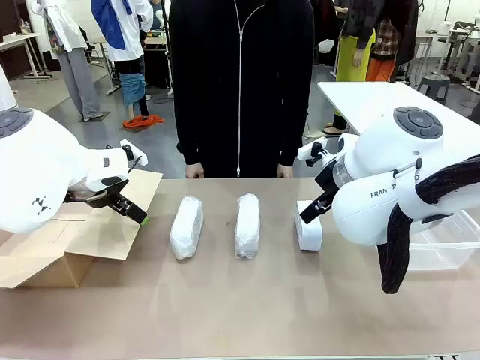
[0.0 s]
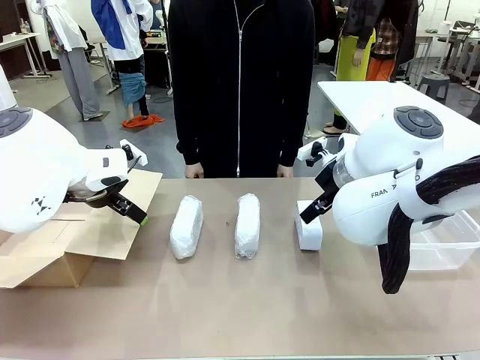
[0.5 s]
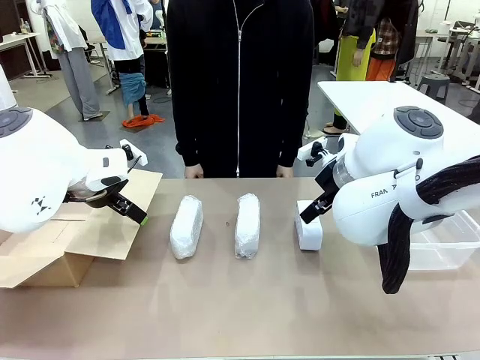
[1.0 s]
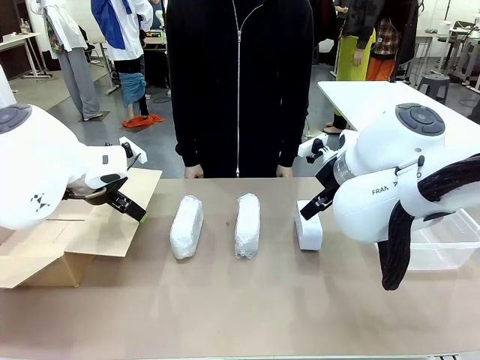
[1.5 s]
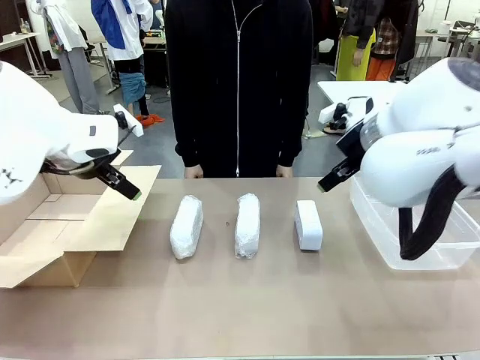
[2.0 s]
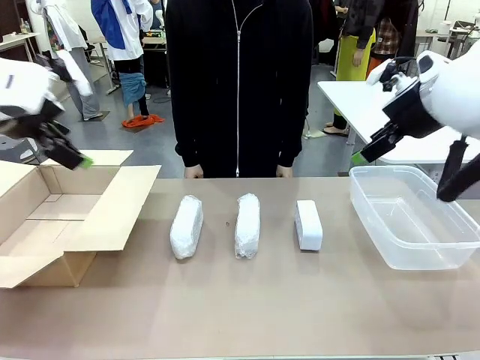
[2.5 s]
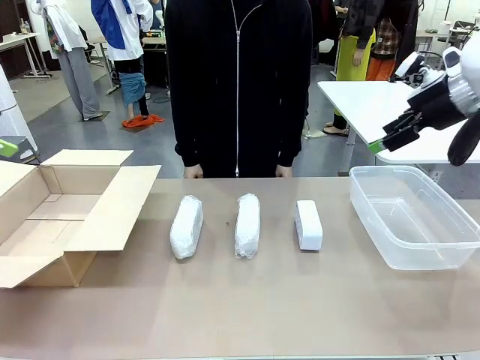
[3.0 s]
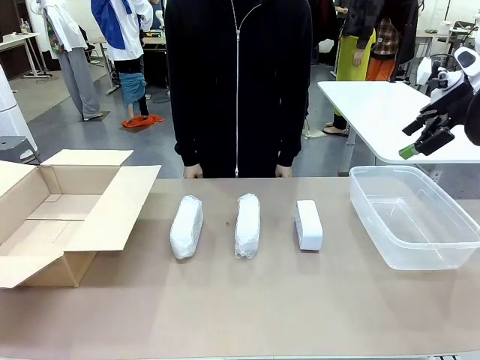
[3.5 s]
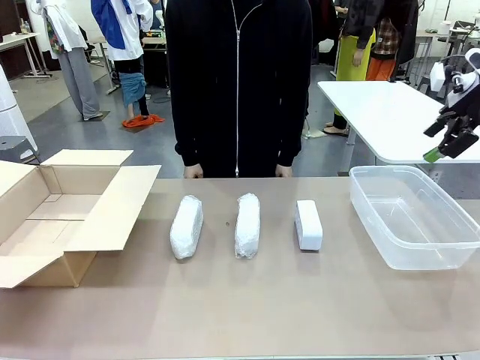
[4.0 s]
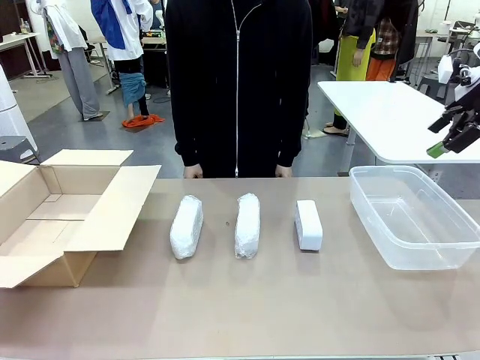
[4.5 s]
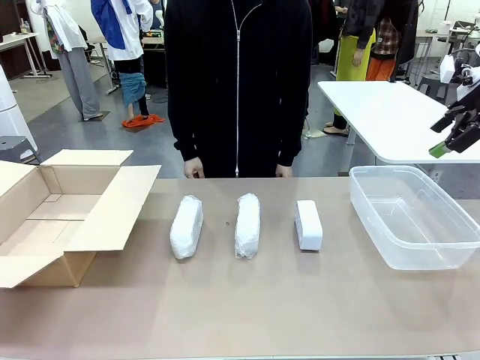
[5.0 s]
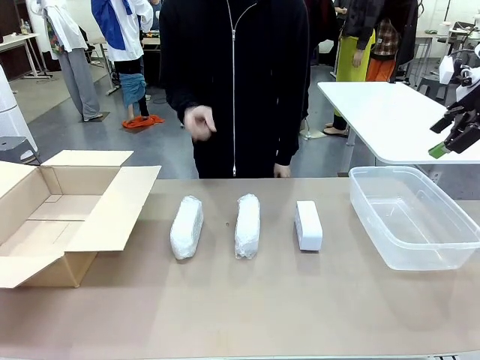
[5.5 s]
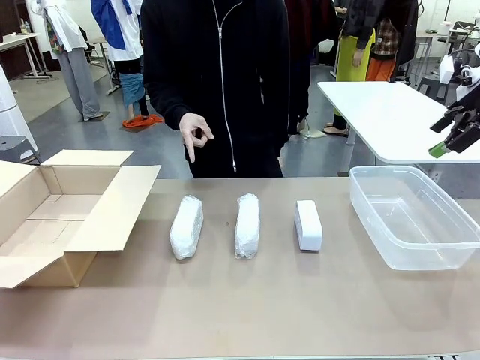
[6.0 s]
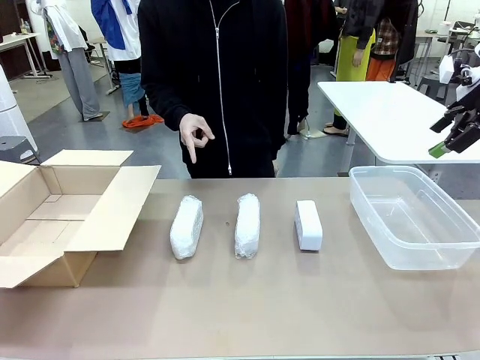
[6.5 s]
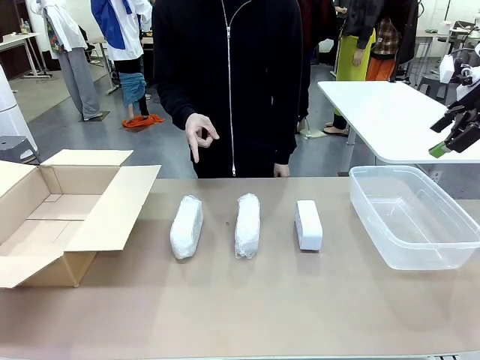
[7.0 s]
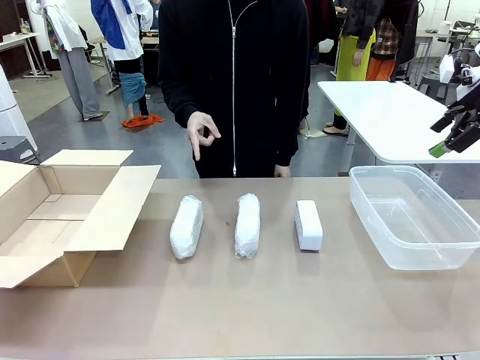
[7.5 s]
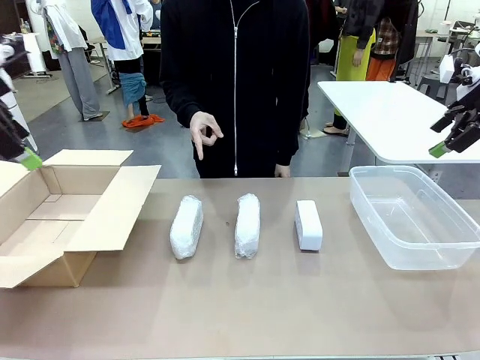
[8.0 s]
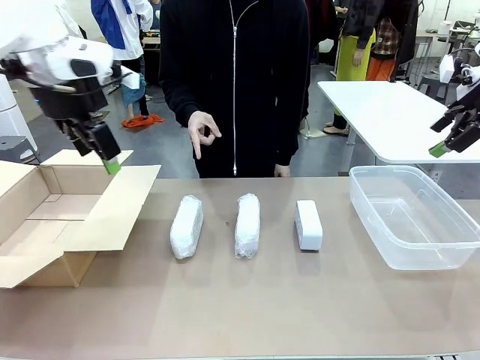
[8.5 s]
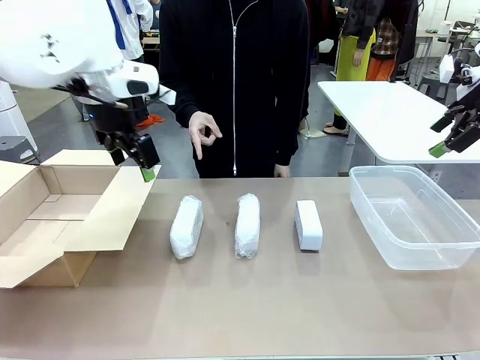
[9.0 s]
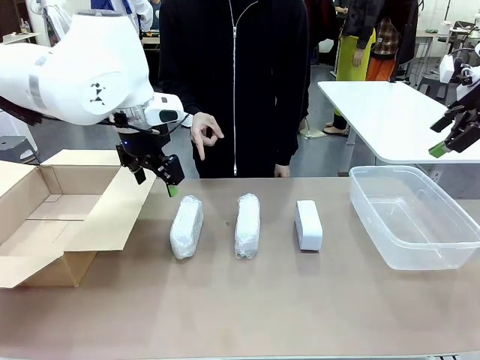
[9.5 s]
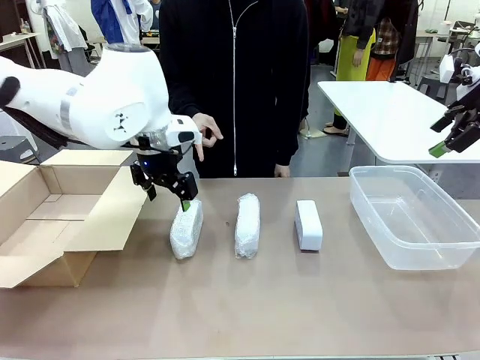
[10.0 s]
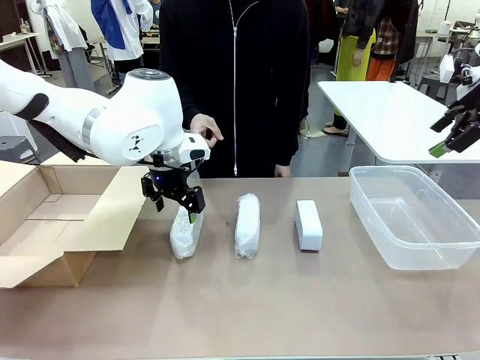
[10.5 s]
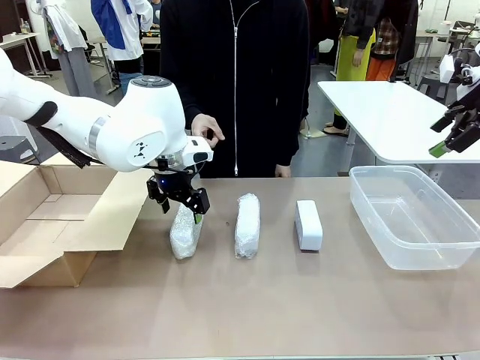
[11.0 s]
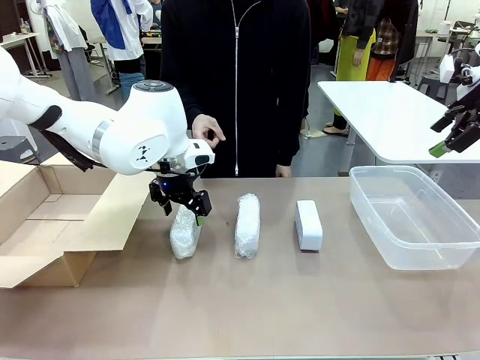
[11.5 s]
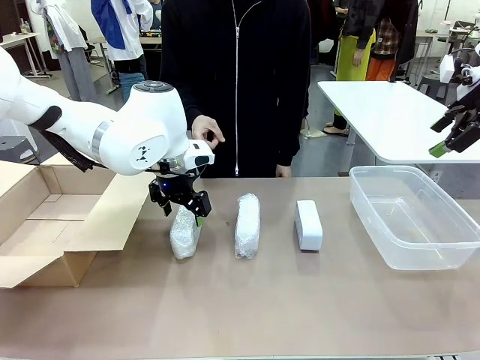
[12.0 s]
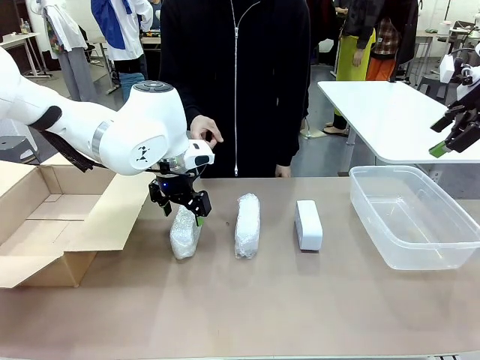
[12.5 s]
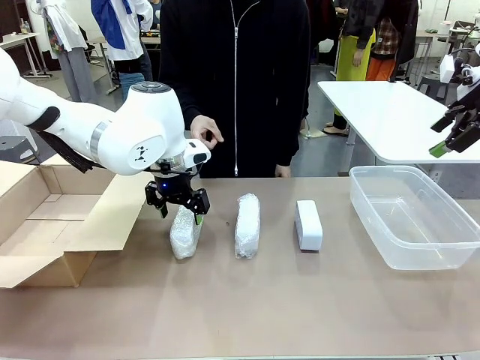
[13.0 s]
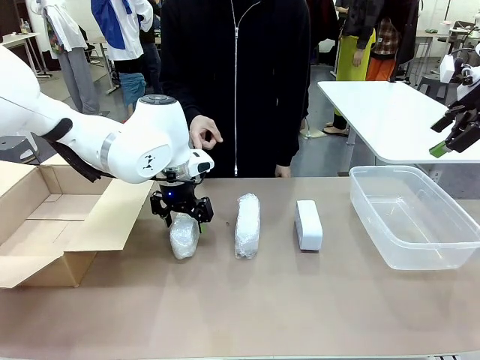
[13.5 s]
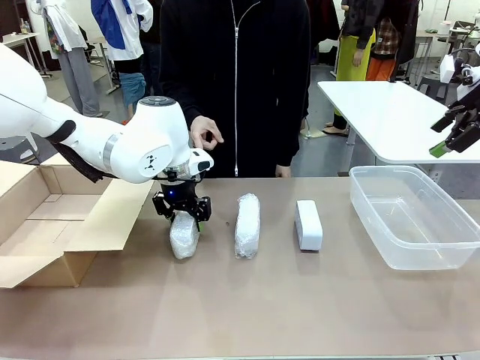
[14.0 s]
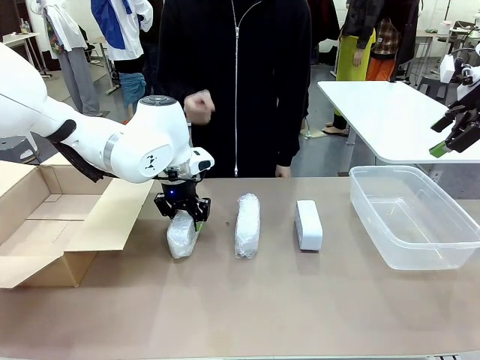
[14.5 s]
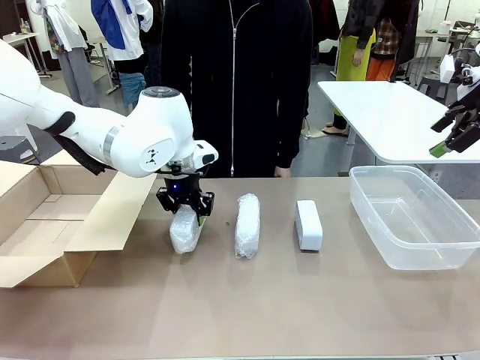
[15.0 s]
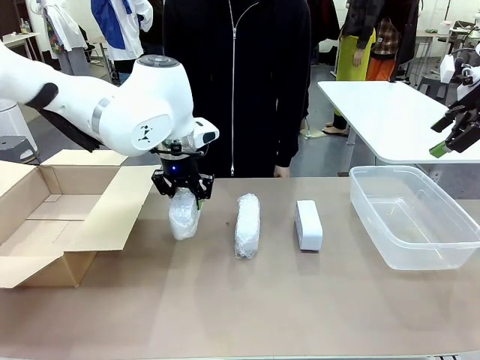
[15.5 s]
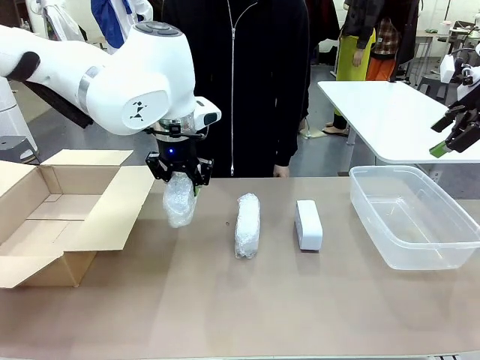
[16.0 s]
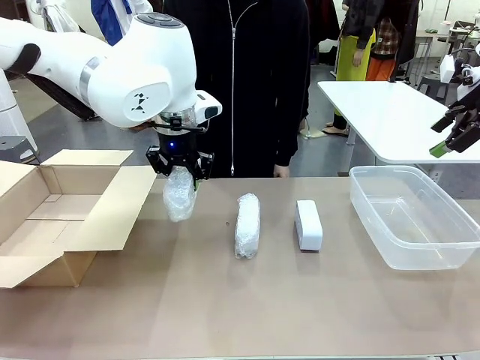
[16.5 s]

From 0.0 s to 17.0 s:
Task: Separate and place wrapped and unwrapped clocks.
Robot: Pick up the Digital clock indicated by the person.

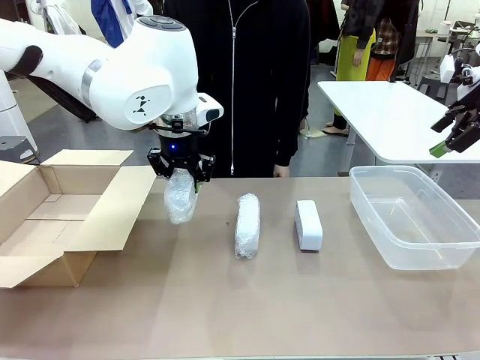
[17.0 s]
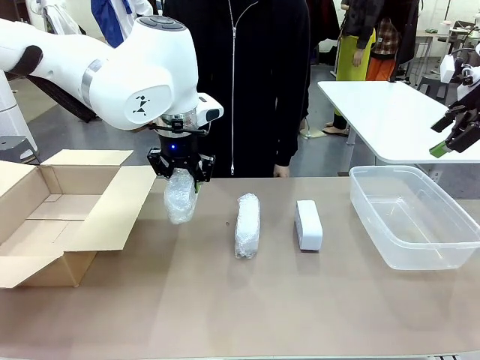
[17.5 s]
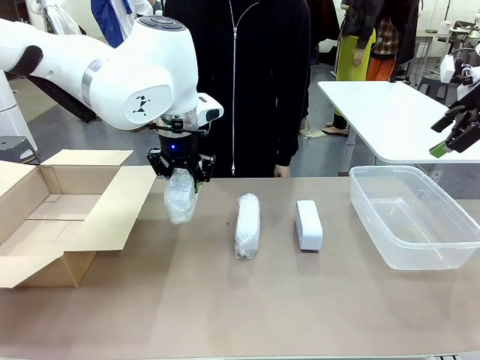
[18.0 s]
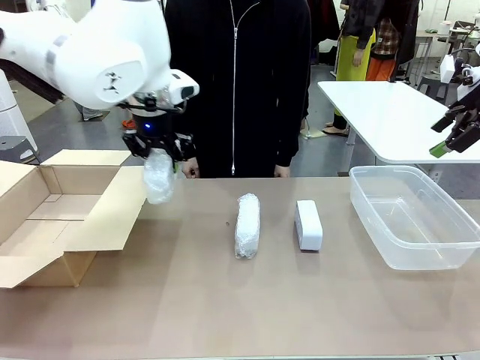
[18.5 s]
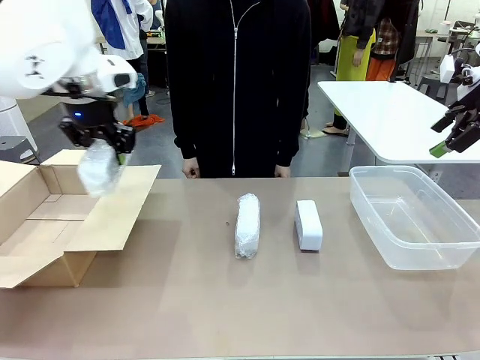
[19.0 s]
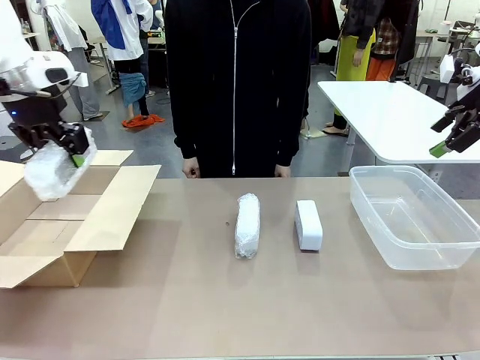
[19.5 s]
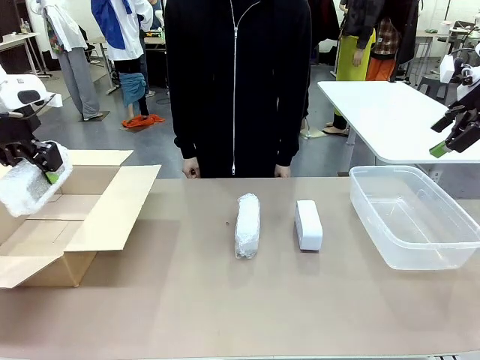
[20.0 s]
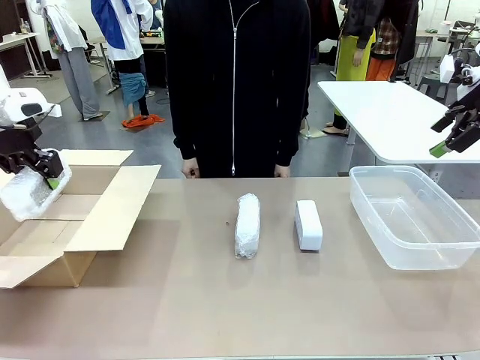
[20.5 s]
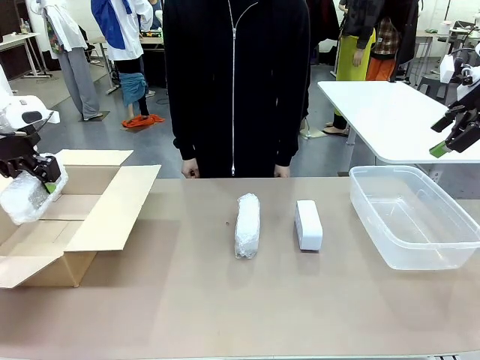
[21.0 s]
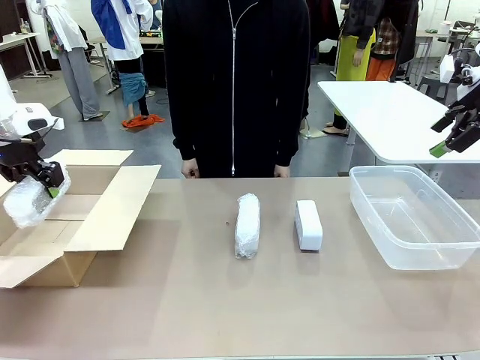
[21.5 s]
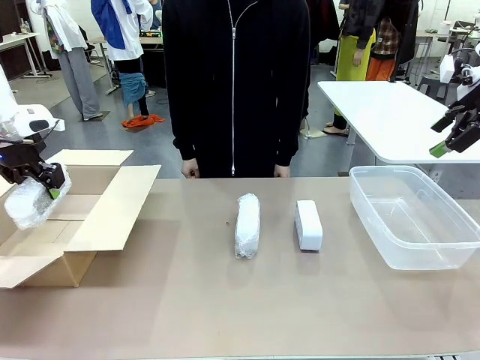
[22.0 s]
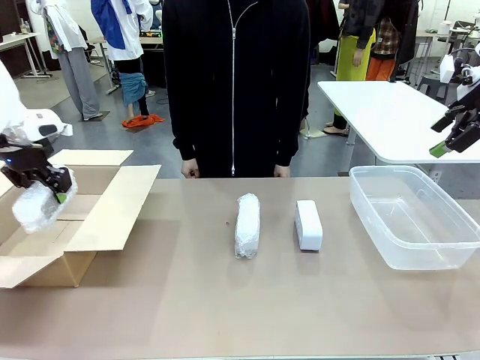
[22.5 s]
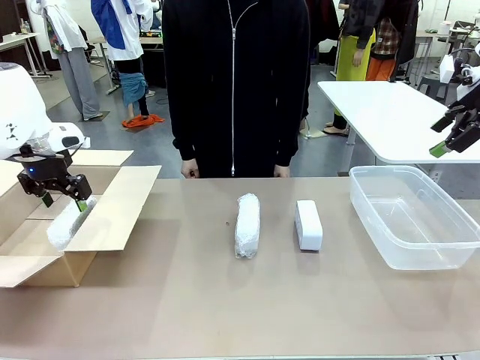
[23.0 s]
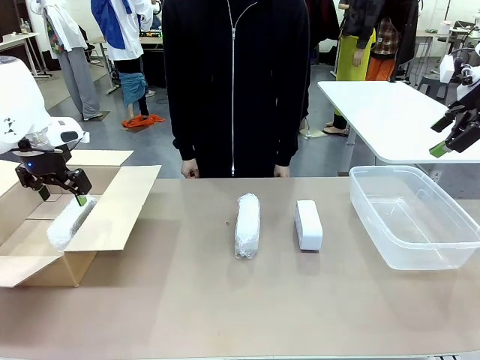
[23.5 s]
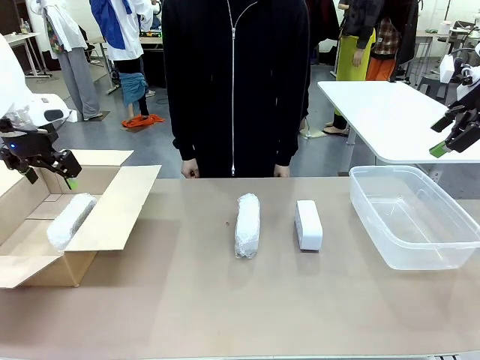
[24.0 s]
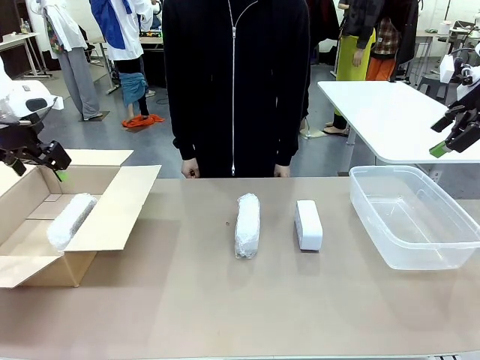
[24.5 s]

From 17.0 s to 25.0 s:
Robot: If the picked Digital clock is wrapped, place it in the Package Box ; if not, place it in the Organizing box.

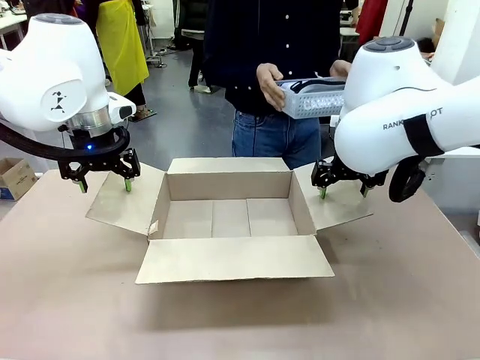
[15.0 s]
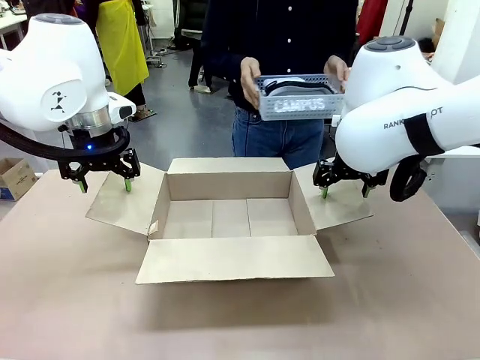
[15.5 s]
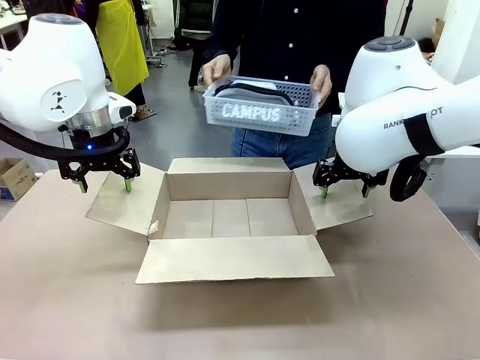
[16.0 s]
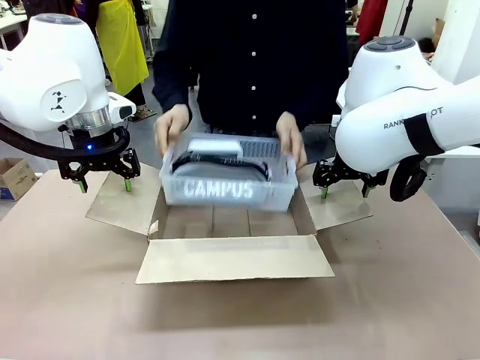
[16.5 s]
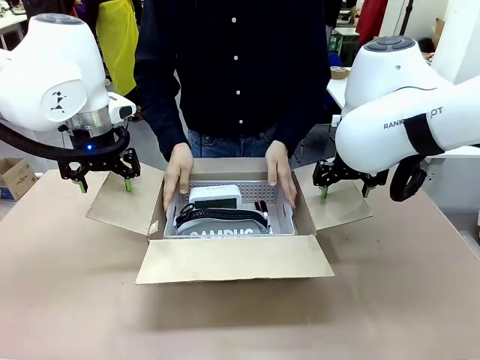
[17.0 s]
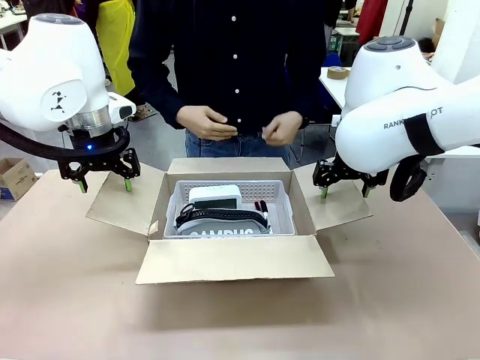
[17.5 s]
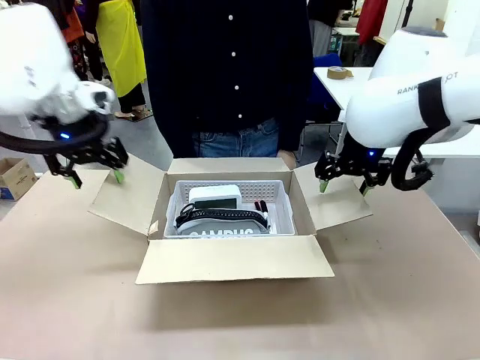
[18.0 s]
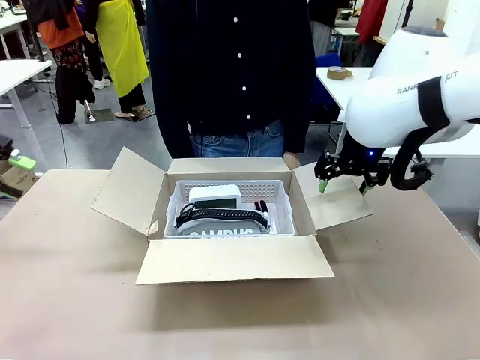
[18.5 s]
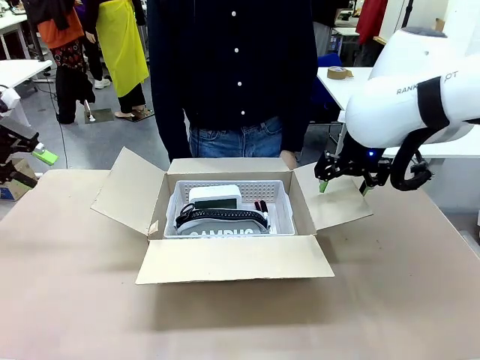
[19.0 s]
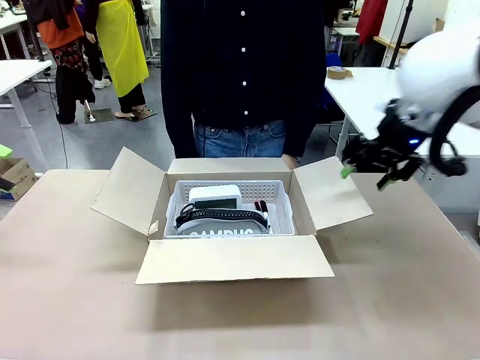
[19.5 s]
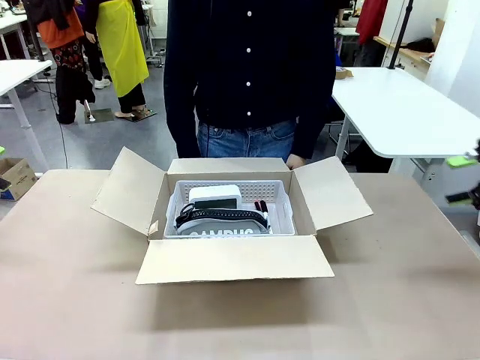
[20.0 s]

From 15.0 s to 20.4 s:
Task: Pack the gift set into the box.
Robot: Lift both hands away from the flaps of the Package Box.
Person: The human picks up the organizing basket and places the organizing basket into the package box on the robot table.
